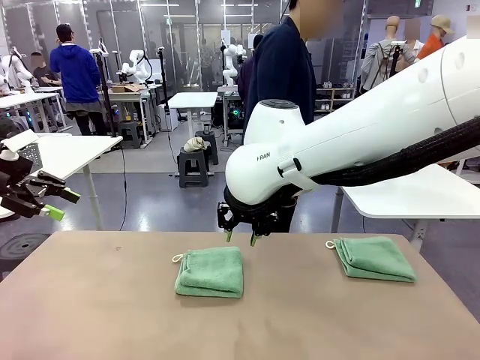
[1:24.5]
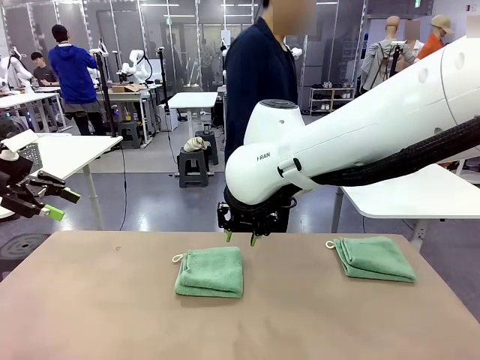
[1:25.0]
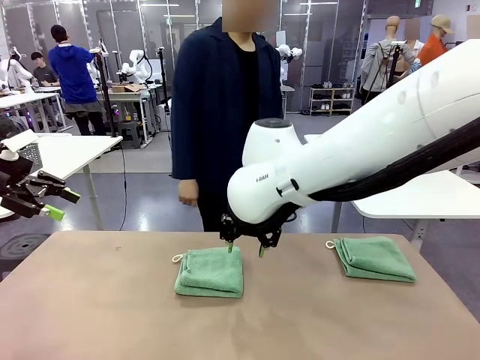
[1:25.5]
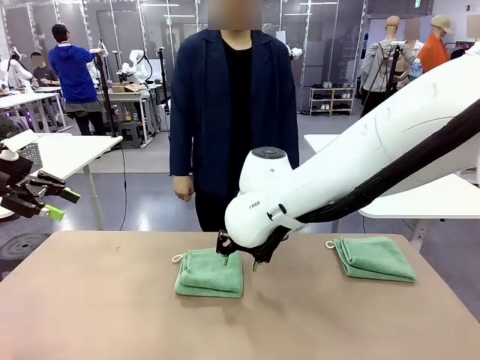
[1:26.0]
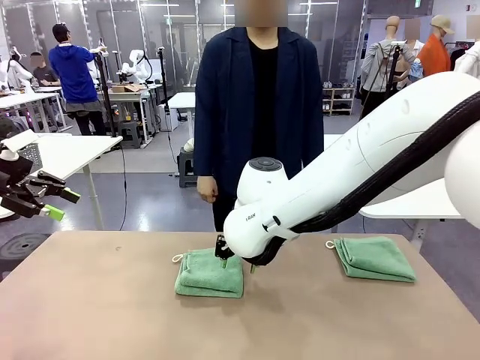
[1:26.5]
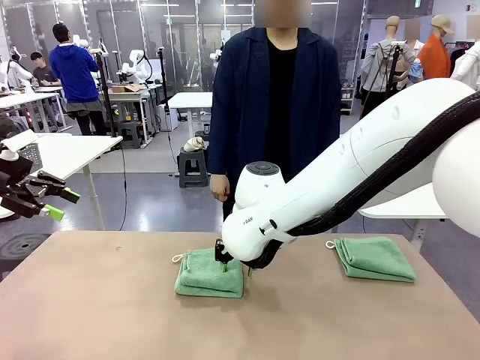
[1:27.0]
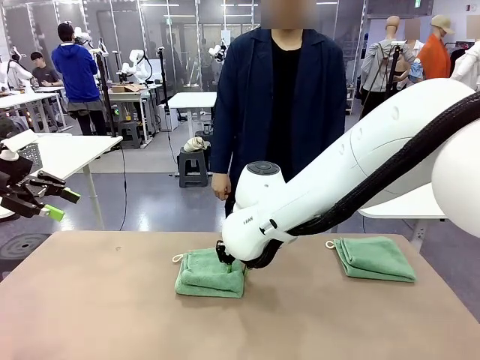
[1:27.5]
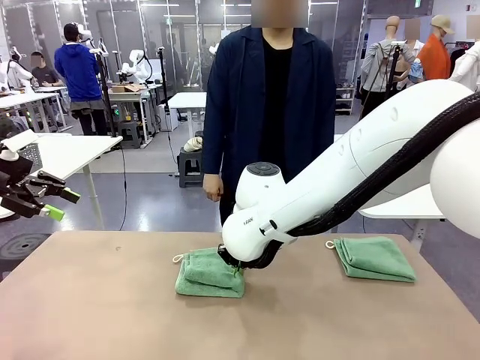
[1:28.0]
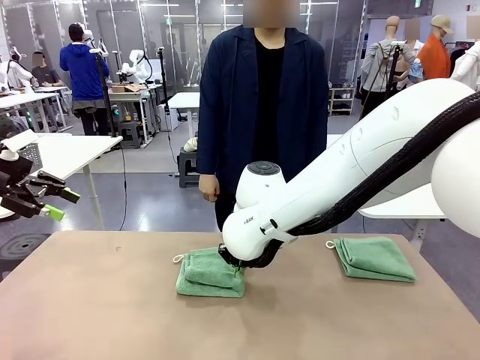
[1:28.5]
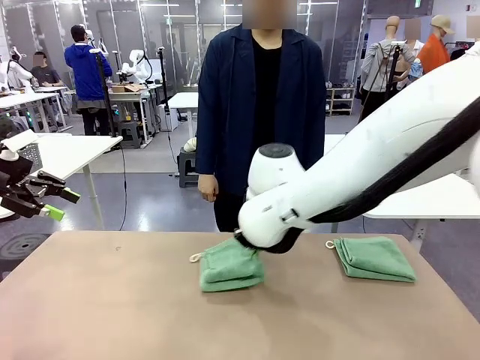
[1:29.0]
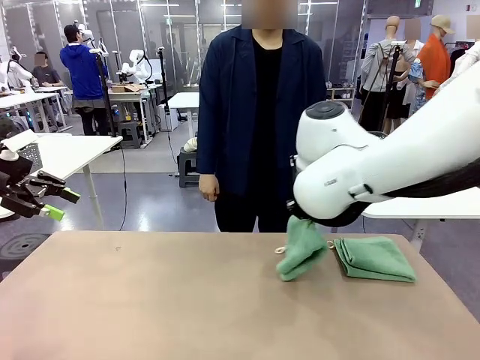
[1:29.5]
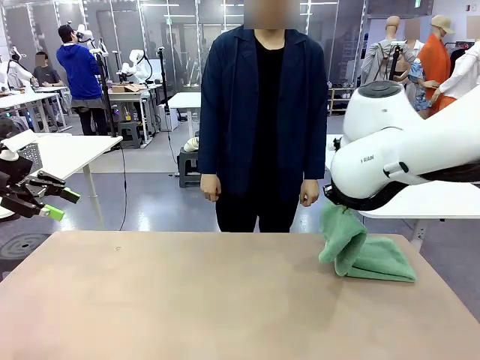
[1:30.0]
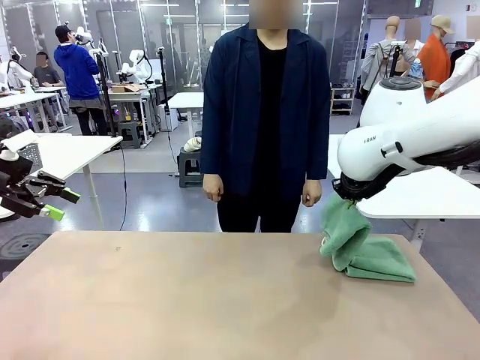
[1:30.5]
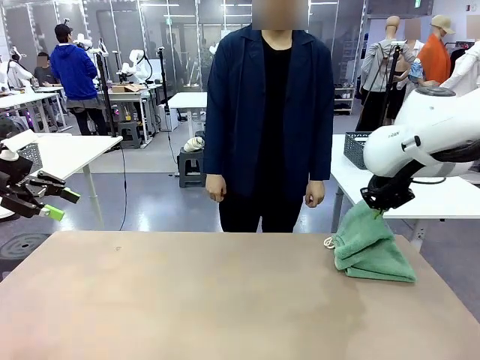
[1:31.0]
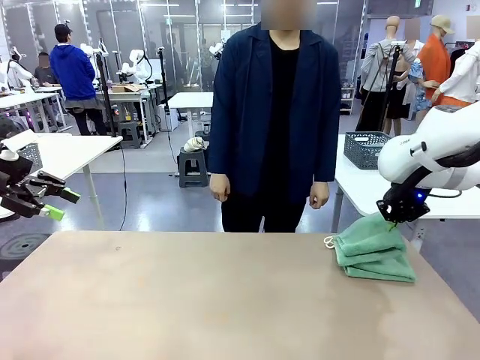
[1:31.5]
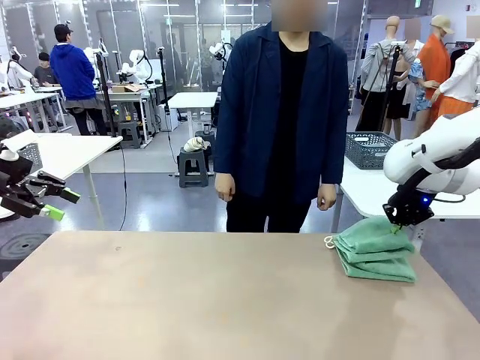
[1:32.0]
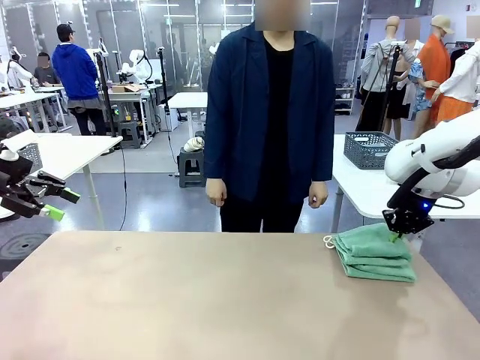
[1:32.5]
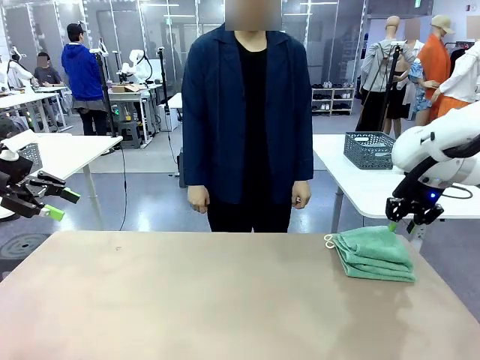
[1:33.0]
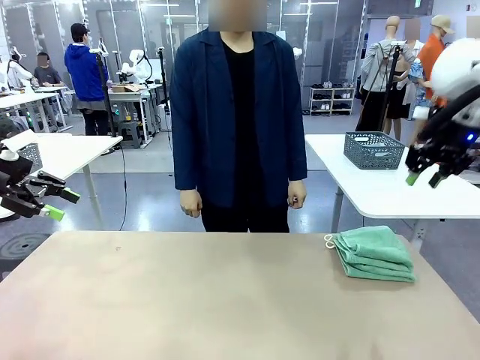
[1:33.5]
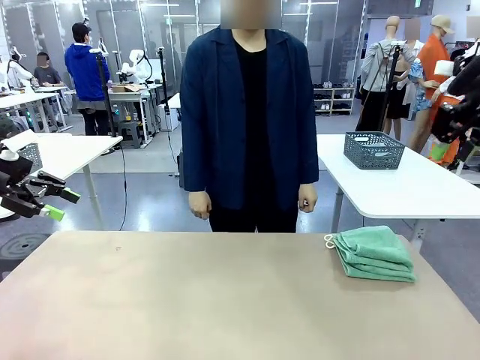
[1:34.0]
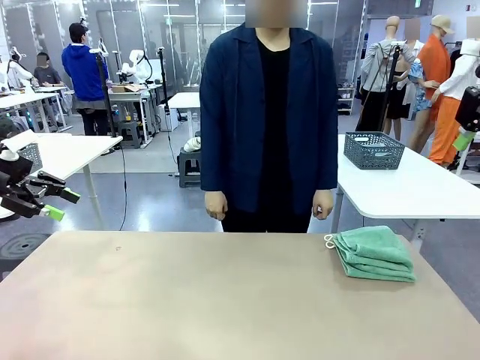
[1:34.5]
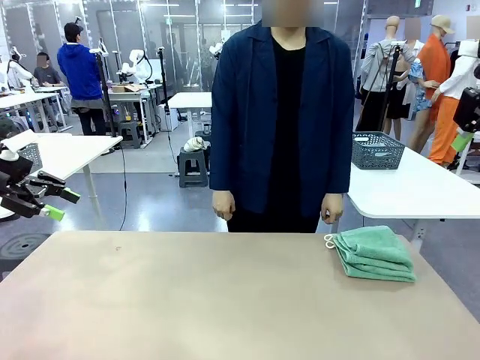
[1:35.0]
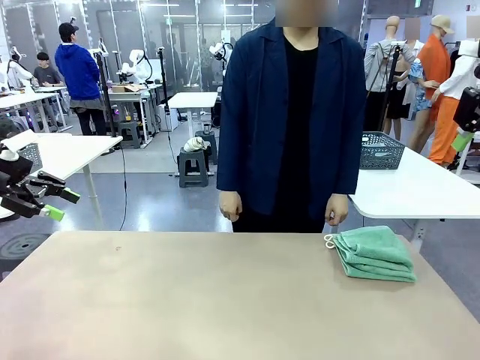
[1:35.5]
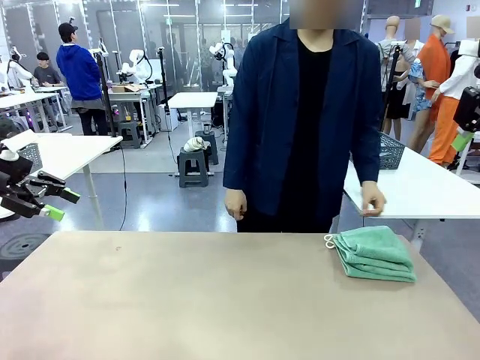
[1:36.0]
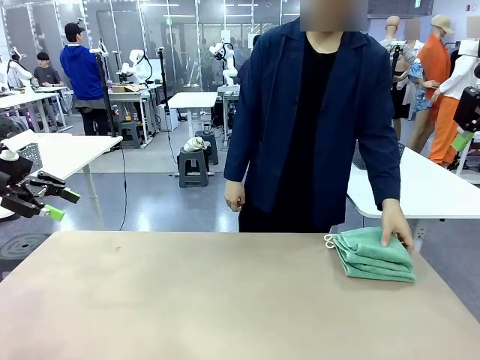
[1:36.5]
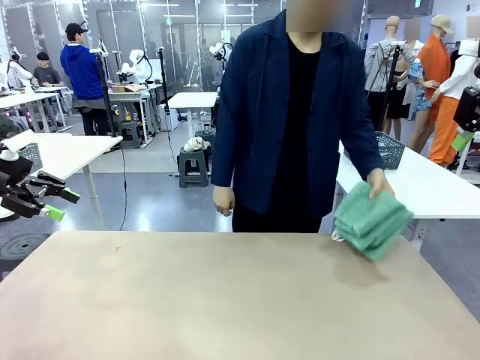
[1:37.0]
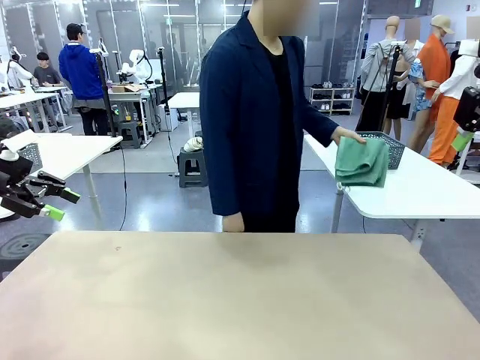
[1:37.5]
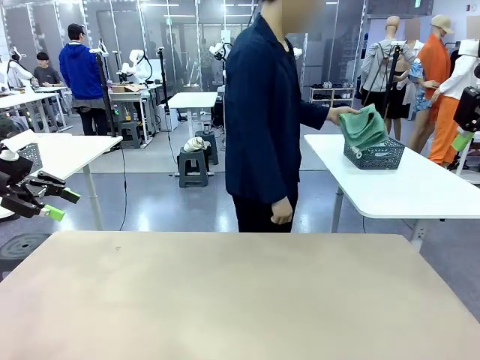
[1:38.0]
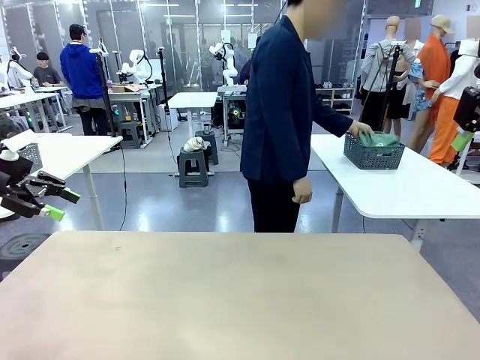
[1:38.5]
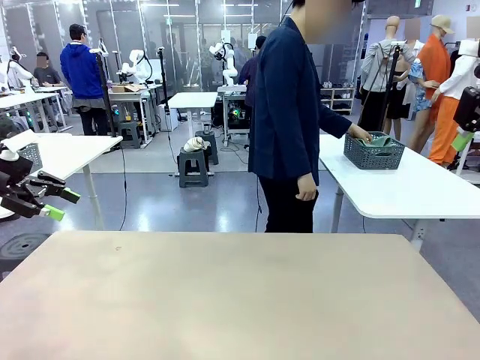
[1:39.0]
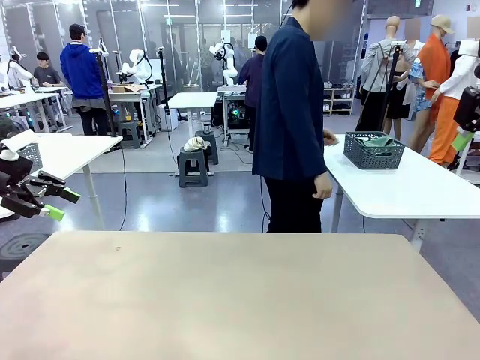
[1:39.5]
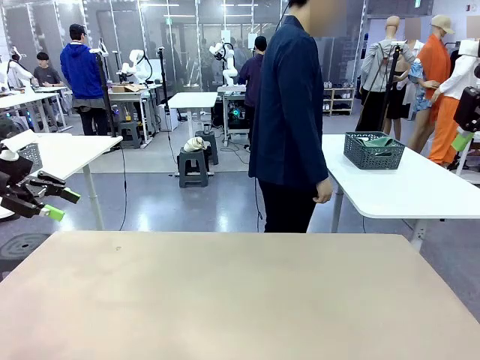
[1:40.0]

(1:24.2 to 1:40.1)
Task: Fold the towels and place them in the basket.
Robot: Stack the folded Towel with hook on the right side of the table.
Person: Pick up the stack of towels from the robot table and place it into the basket.

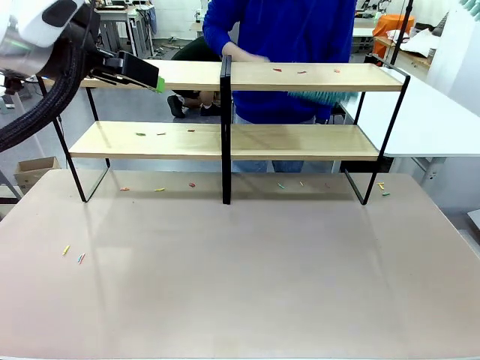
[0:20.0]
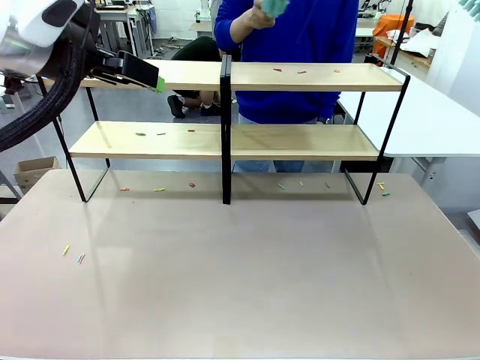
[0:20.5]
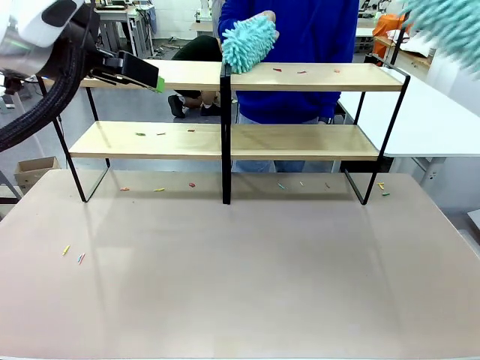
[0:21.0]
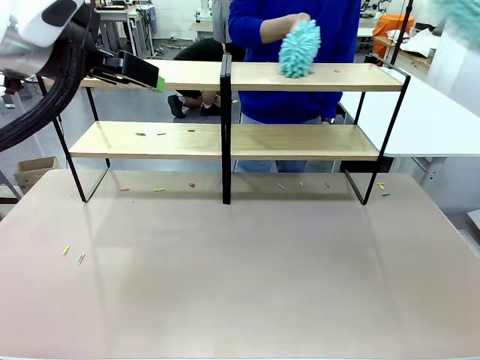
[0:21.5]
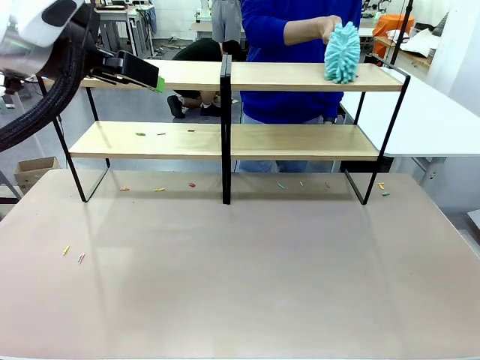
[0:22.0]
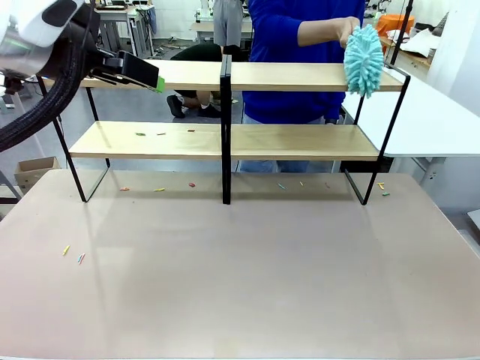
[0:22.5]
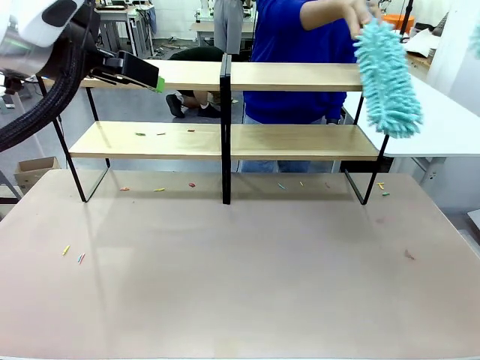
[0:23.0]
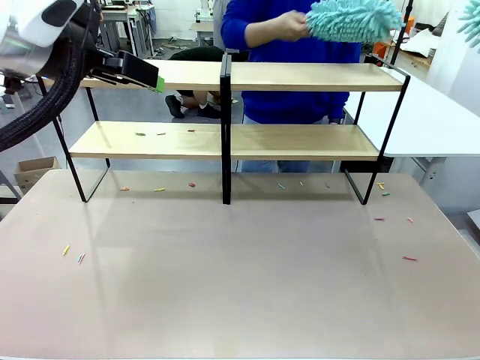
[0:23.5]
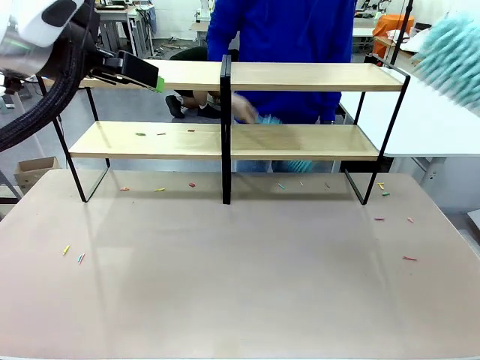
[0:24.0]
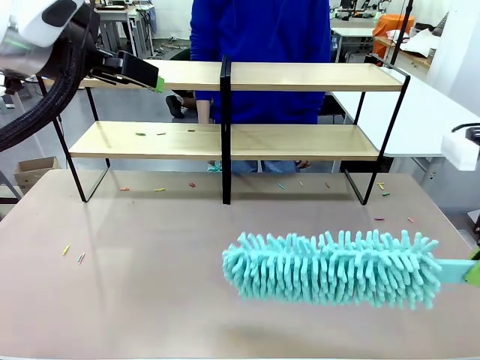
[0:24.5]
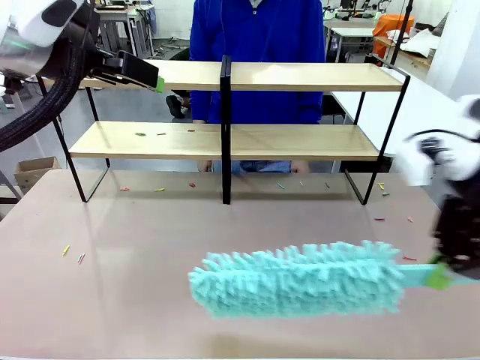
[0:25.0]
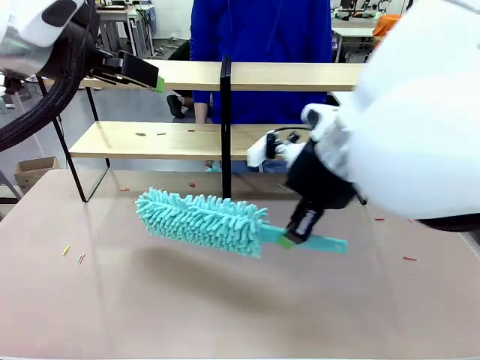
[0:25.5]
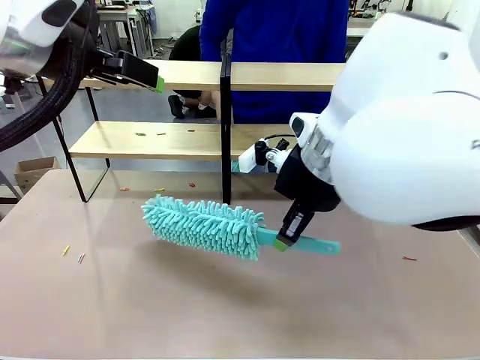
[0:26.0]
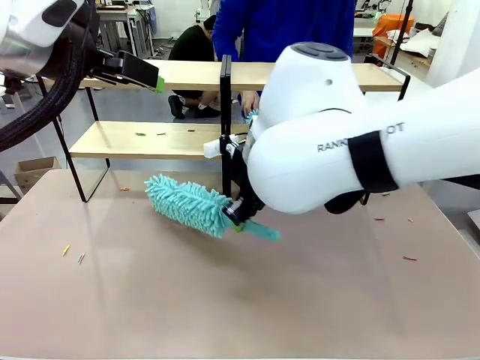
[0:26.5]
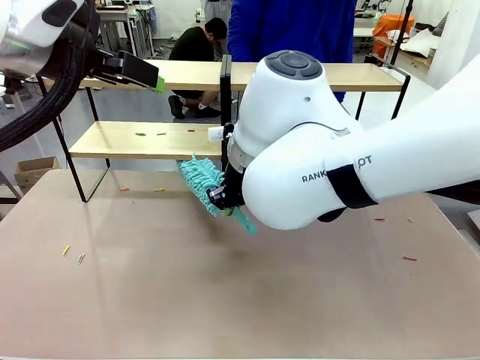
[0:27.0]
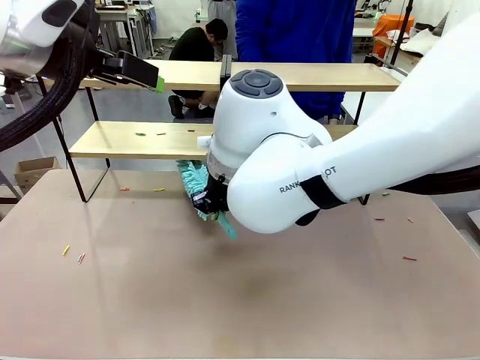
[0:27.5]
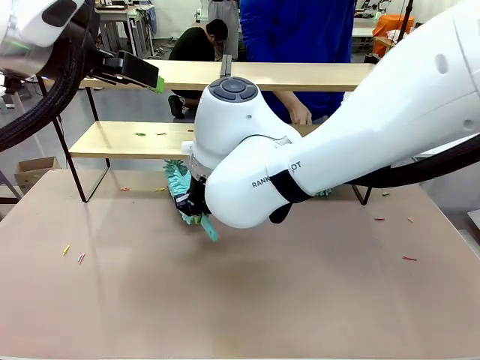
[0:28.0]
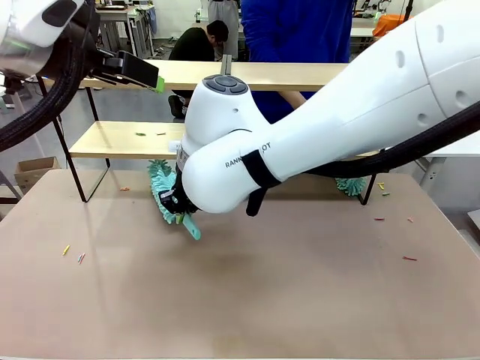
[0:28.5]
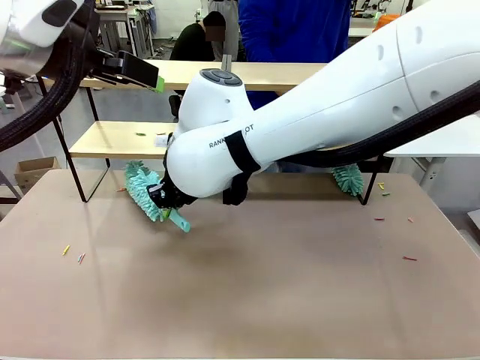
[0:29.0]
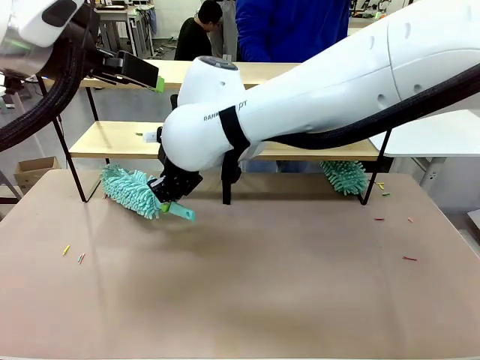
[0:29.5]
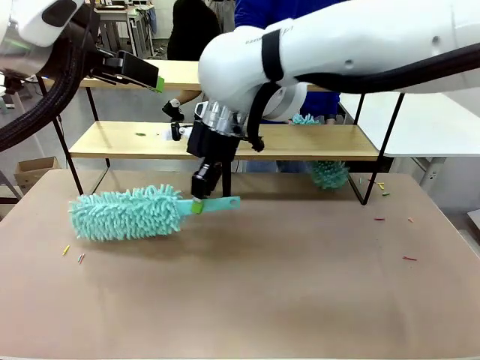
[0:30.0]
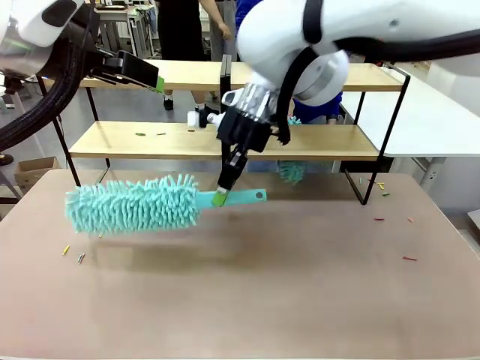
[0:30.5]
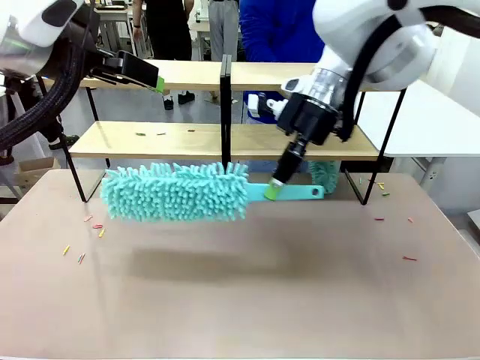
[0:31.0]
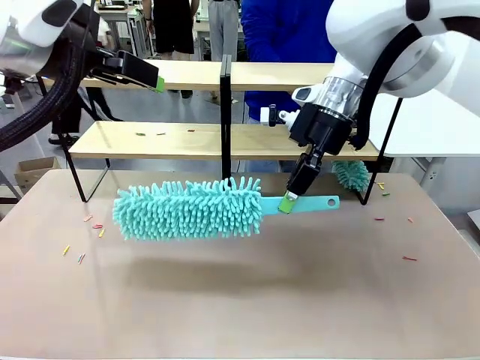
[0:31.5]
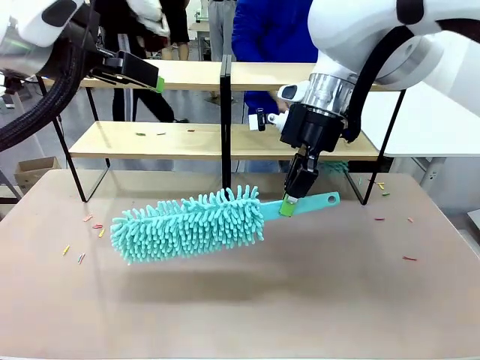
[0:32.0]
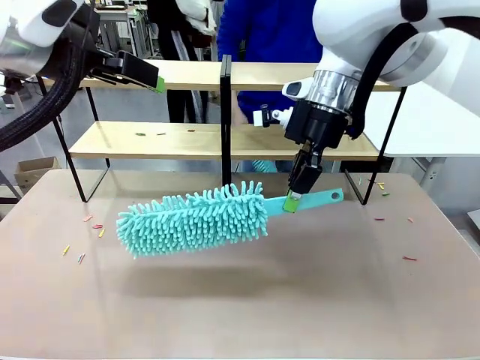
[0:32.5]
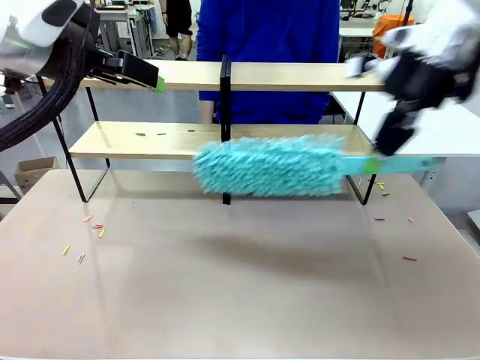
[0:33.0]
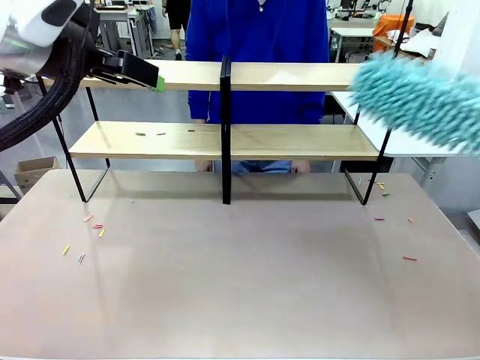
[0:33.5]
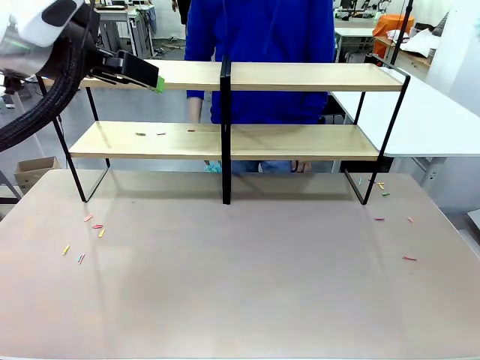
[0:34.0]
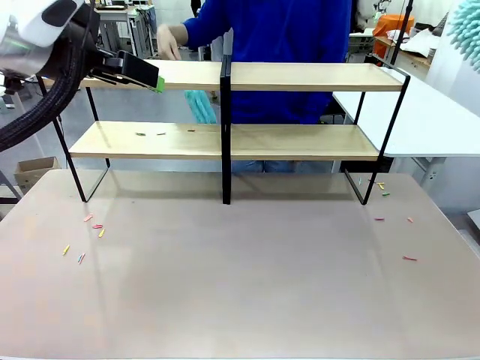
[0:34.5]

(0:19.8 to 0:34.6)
Task: Clean the shelves.
Robot: Clean another randomly selected level of the Shelf with the Duster.
Person: Clean a randomly selected level of the Shelf with the Duster.
